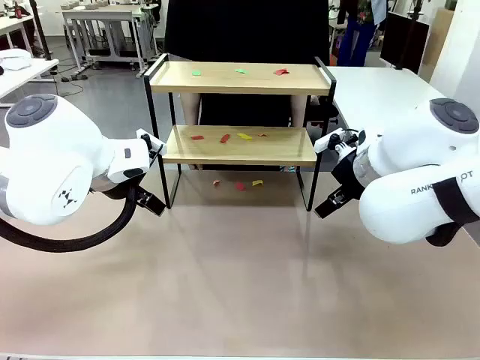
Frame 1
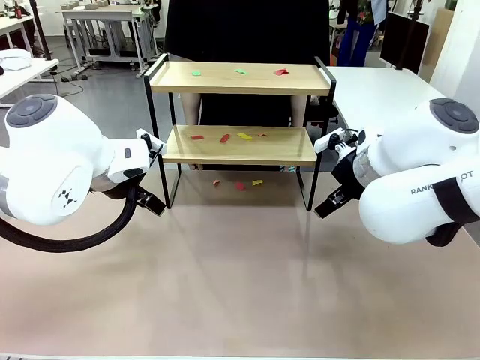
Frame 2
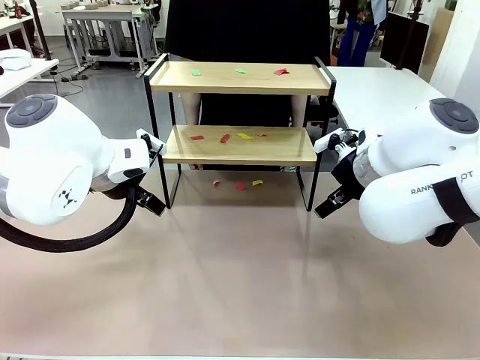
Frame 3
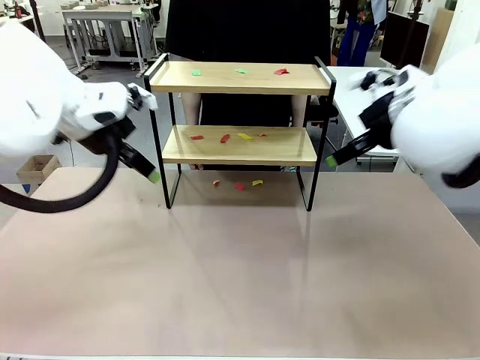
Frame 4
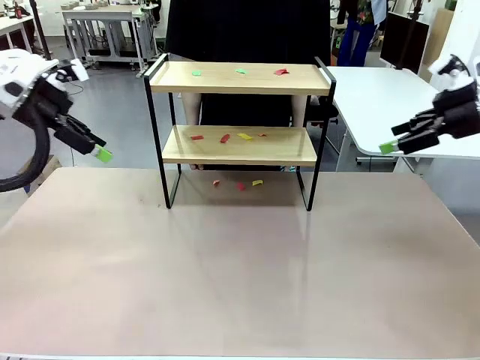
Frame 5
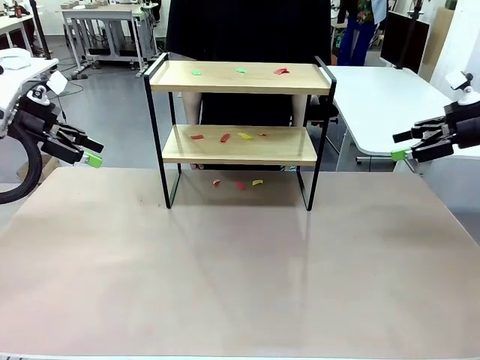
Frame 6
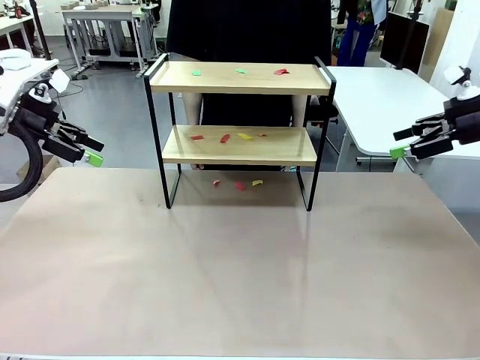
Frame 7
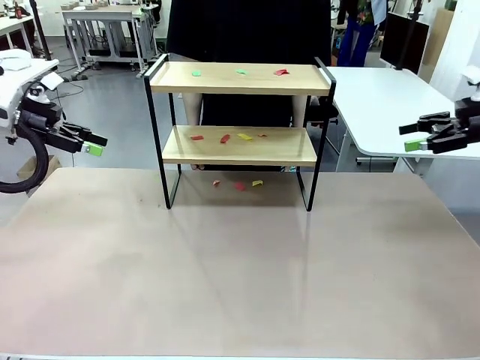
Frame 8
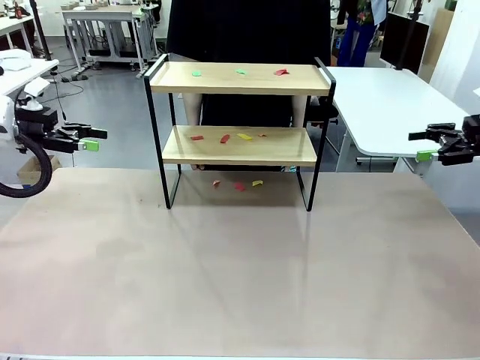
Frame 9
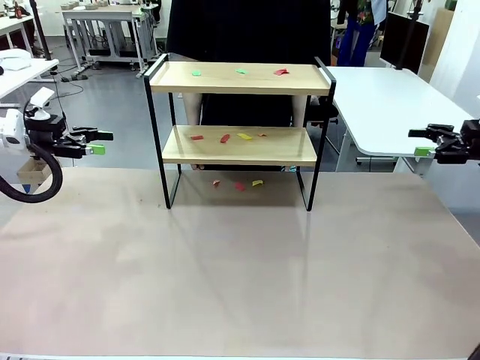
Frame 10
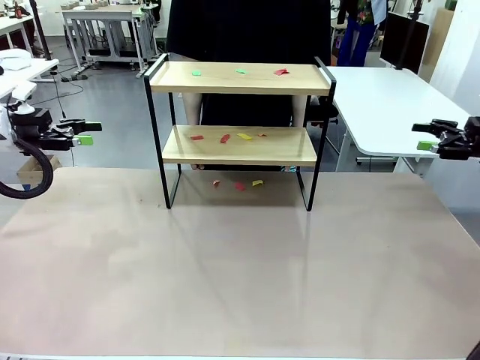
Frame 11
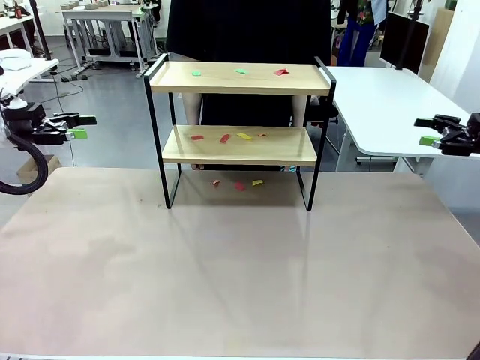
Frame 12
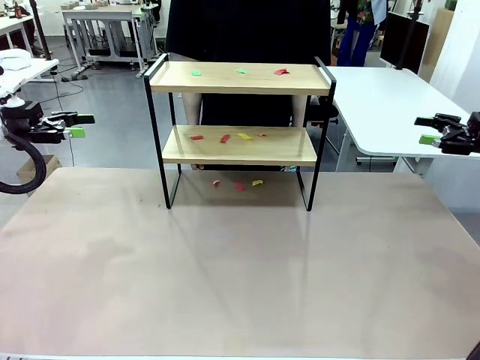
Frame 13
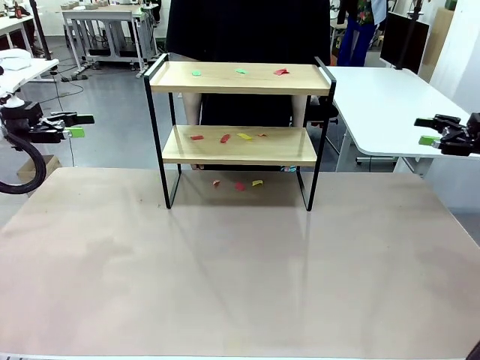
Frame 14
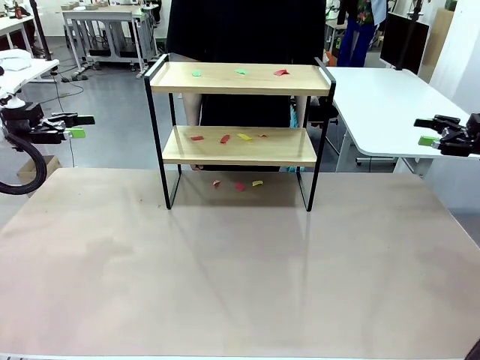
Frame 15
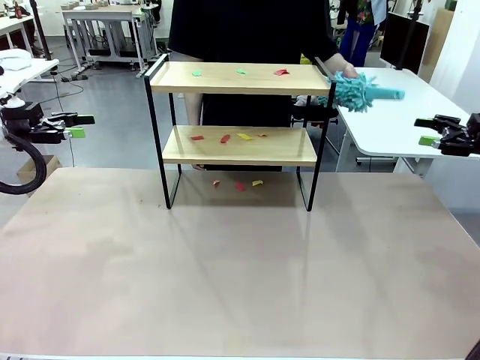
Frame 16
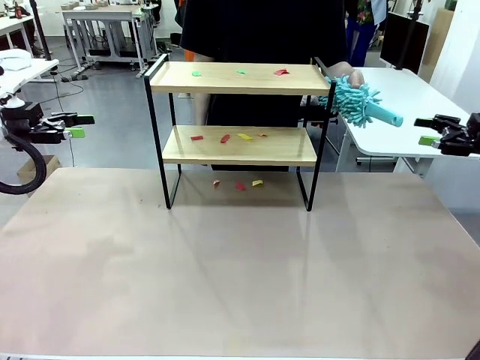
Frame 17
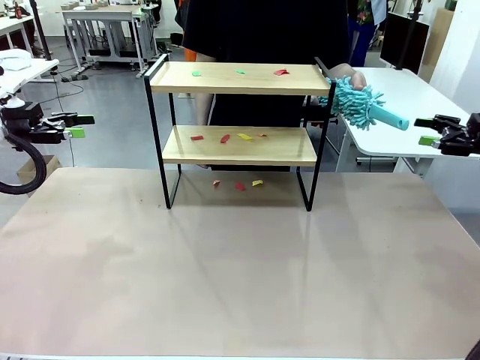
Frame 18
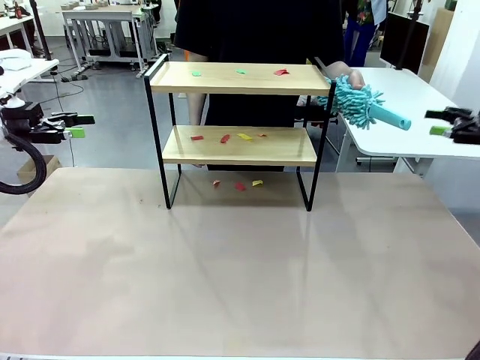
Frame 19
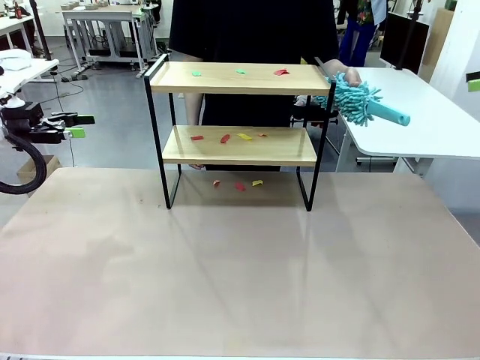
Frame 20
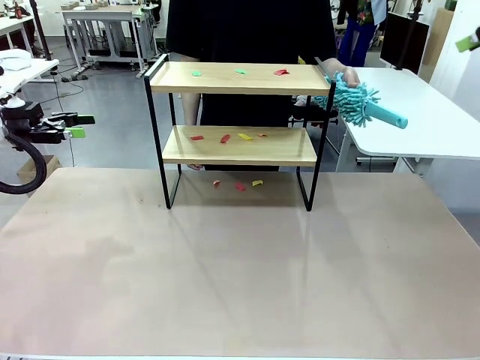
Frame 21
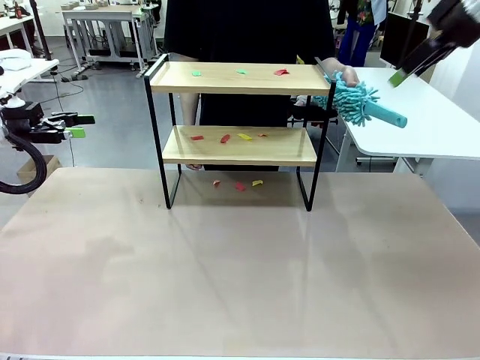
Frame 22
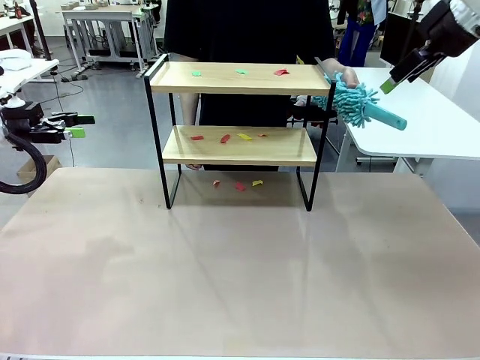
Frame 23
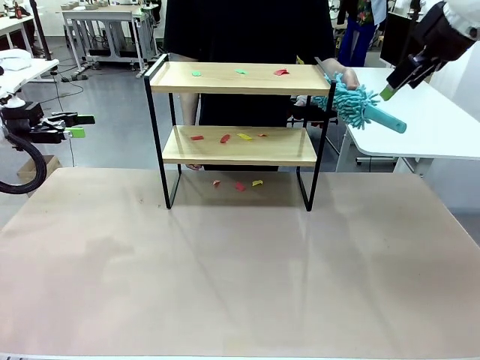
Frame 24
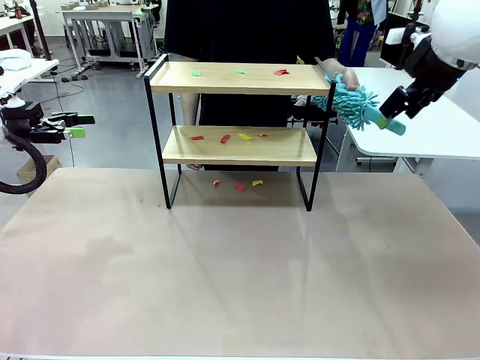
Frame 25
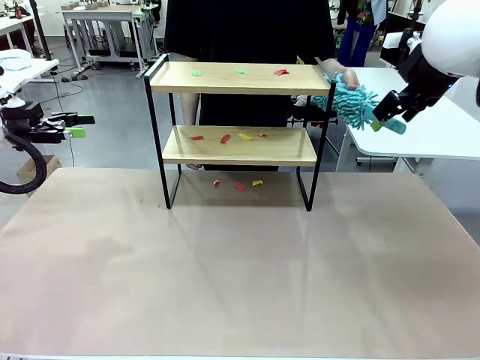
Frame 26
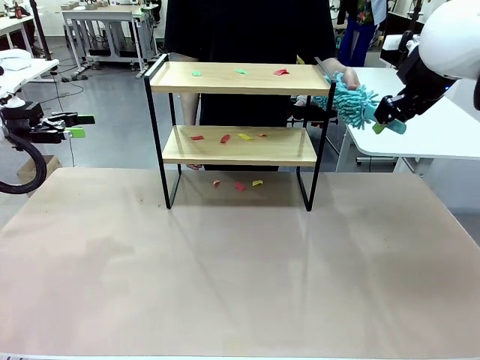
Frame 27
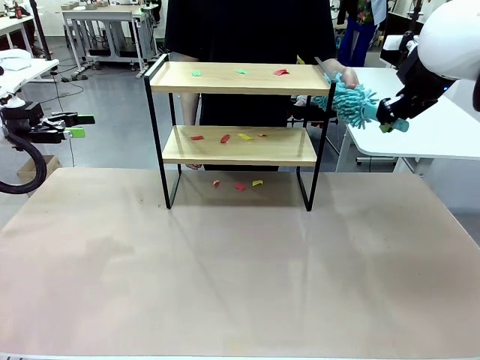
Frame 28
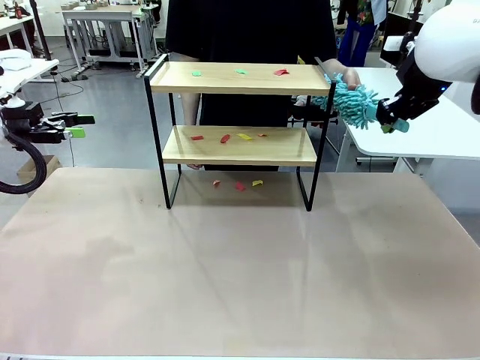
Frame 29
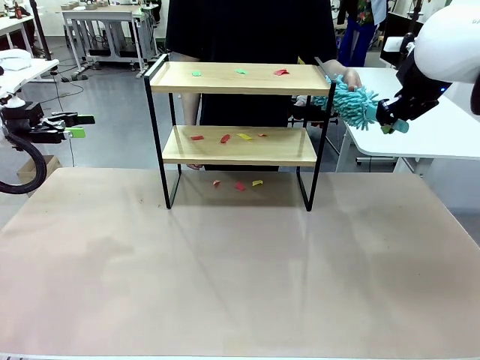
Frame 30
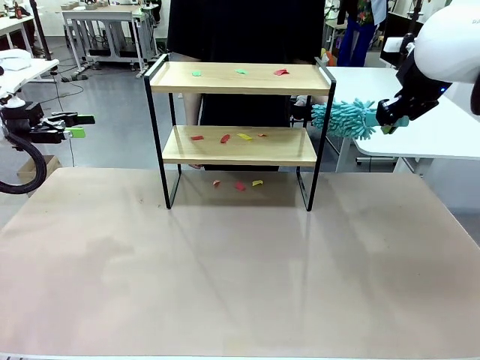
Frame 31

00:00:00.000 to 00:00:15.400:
Task: Clean the shelf.
Robot: Pick up the Duster handed by the human.
Person: Hand the Duster to the robot.

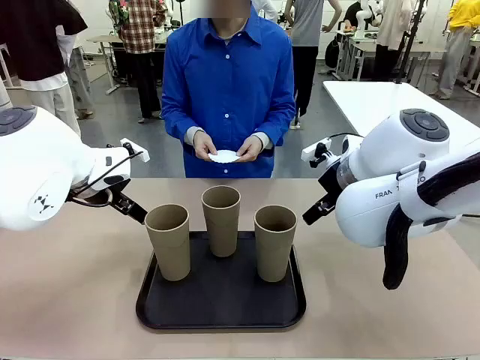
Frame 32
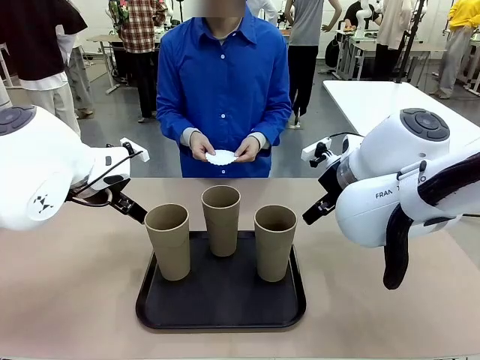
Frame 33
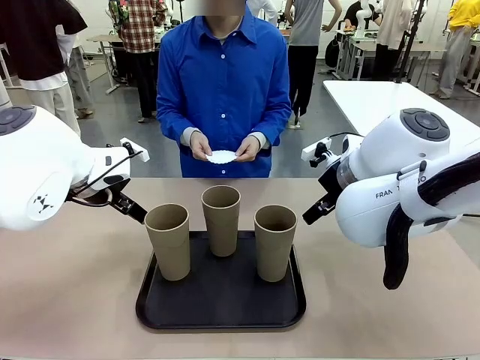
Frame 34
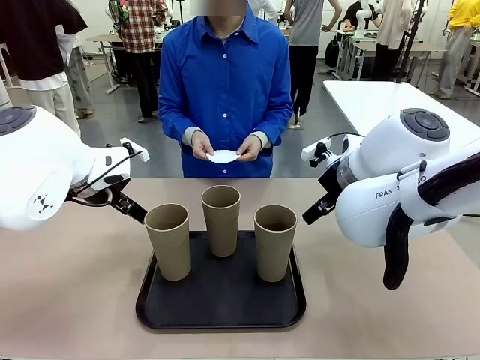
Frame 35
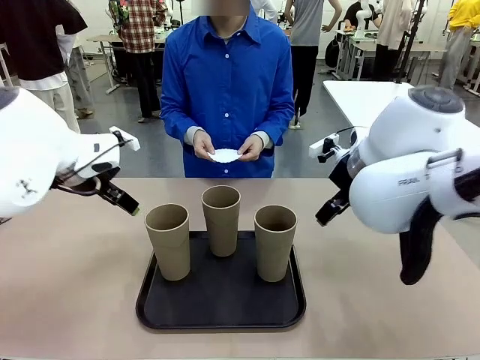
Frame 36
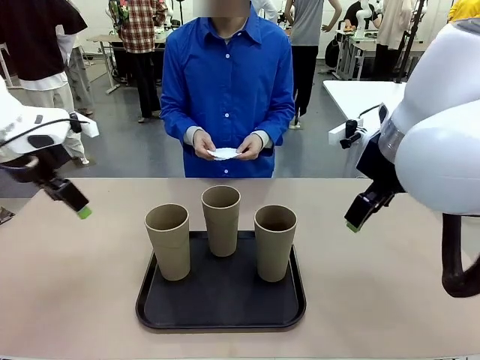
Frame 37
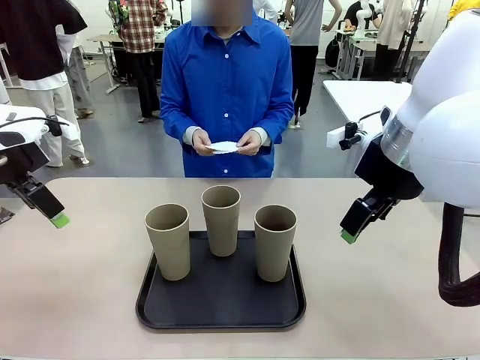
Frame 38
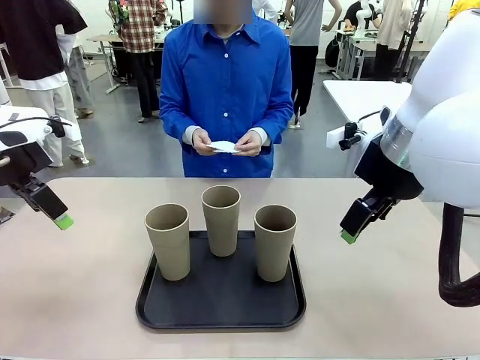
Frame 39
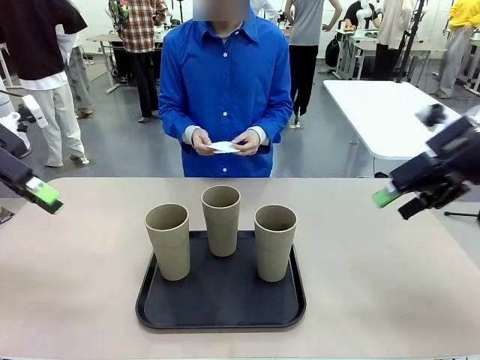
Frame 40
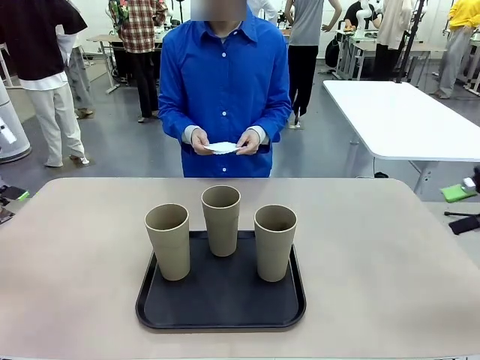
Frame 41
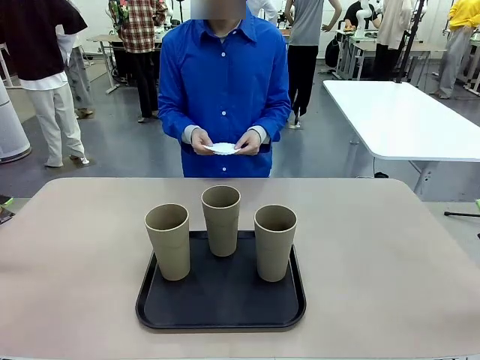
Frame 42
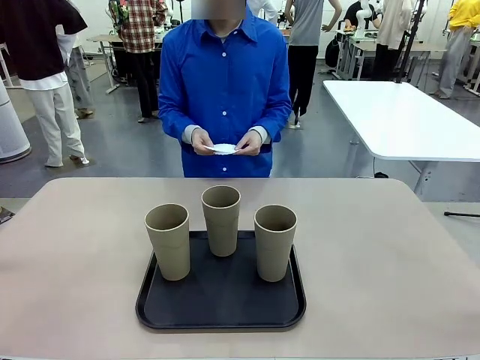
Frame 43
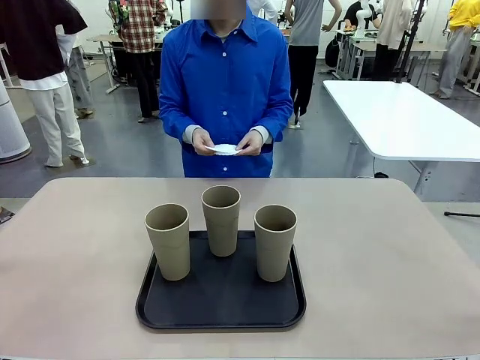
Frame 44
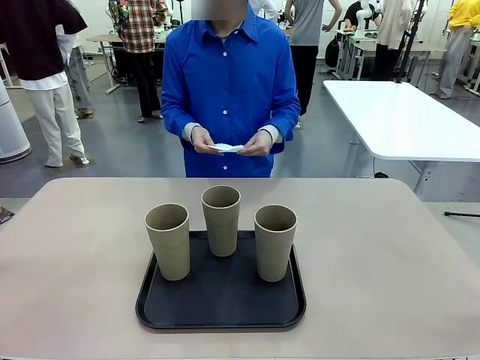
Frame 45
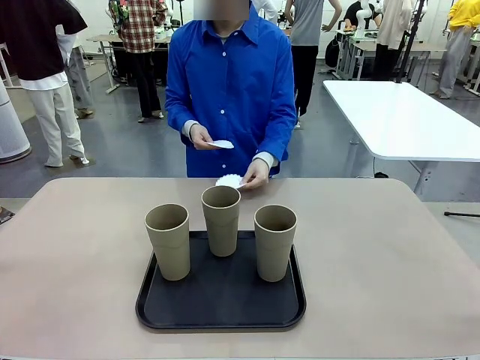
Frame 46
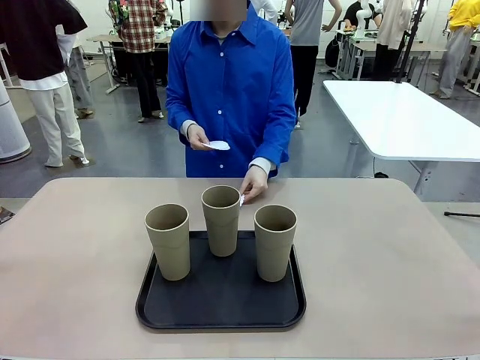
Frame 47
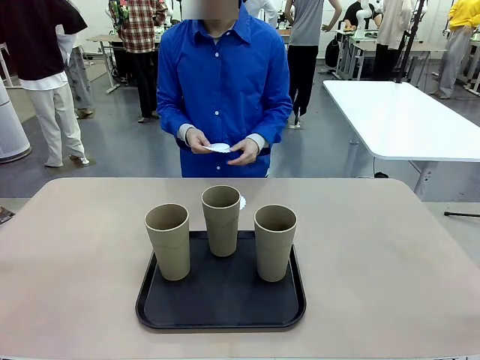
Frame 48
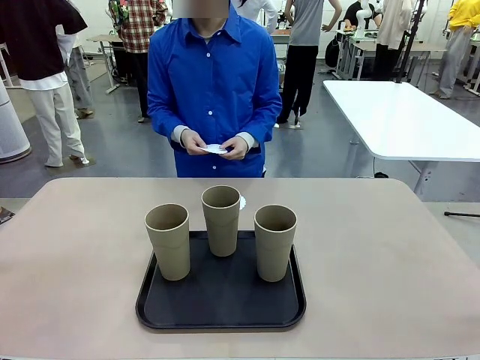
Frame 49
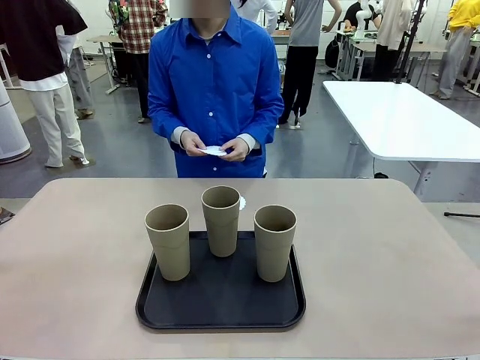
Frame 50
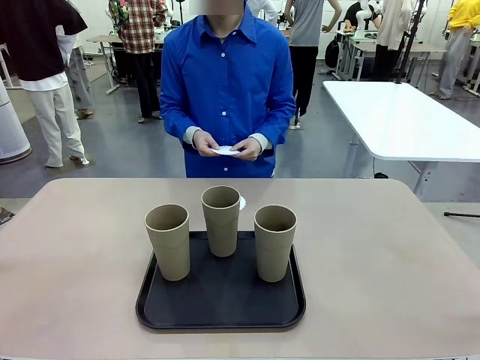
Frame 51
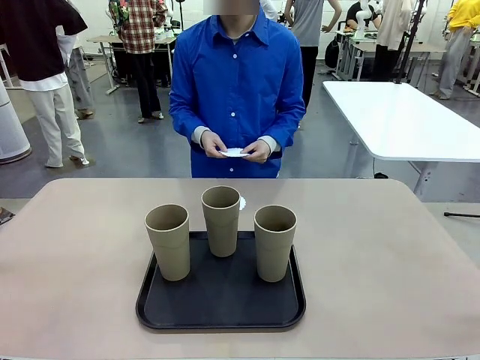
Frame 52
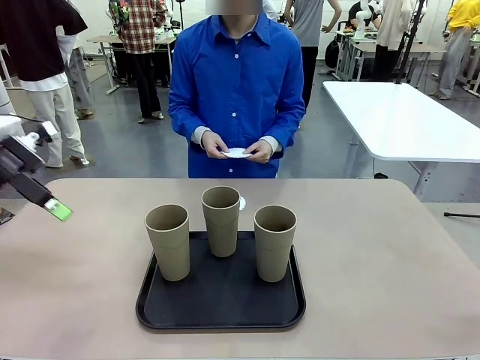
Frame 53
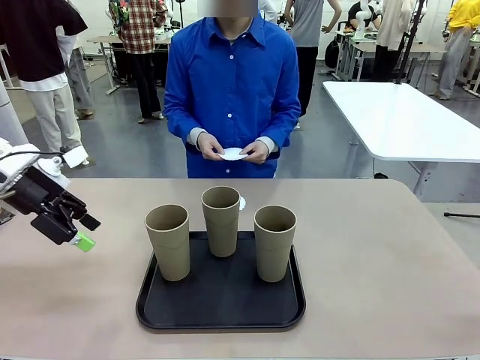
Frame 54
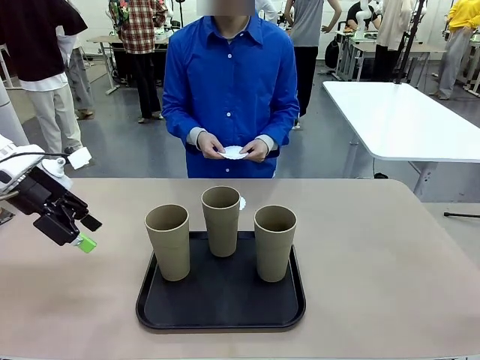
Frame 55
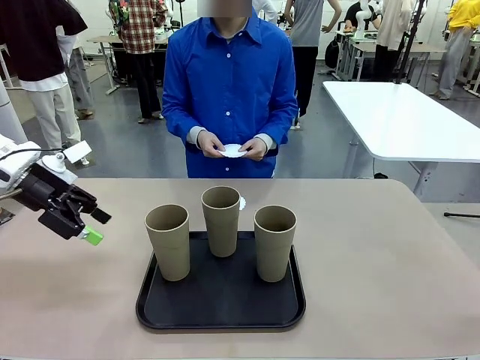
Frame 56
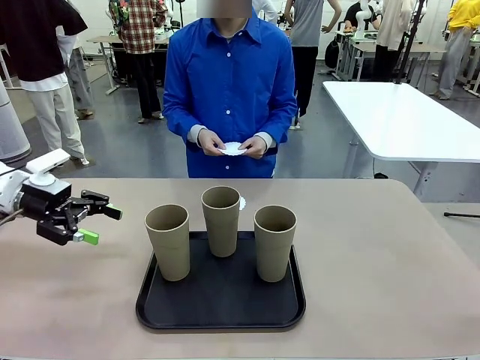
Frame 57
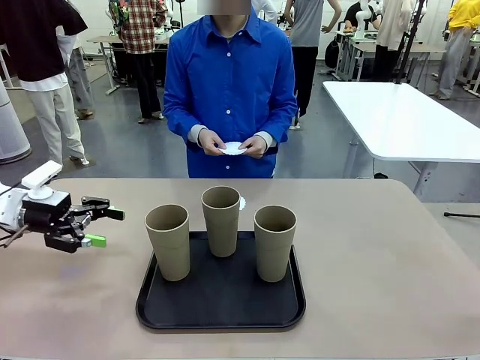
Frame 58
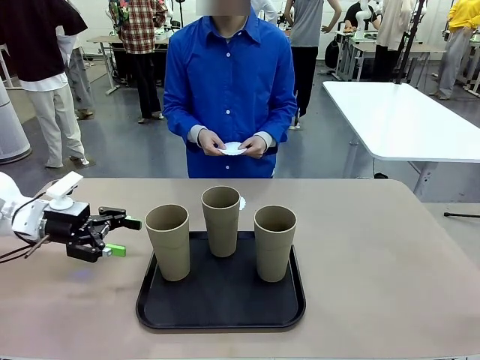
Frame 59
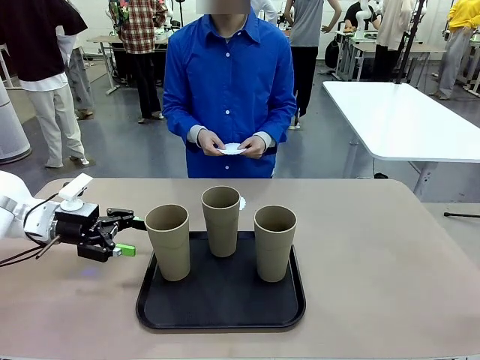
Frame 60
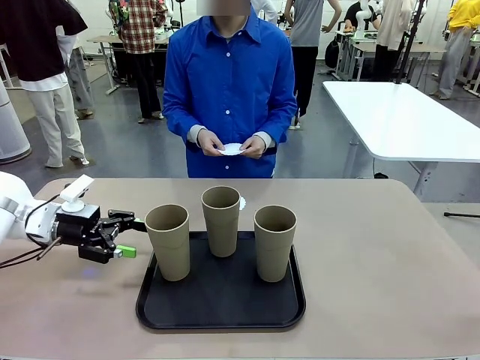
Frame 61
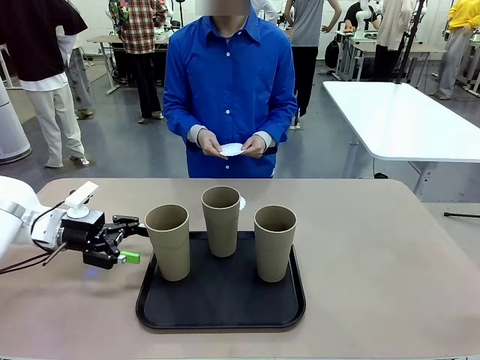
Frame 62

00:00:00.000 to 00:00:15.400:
Task: Place coasters on the table and set cups on them.
Robot: Pick up one Reusable plastic cup and place it on a coaster set by the human.
Person: Place one coaster in any one of the three lower areas of the robot table (left, center, or right).
